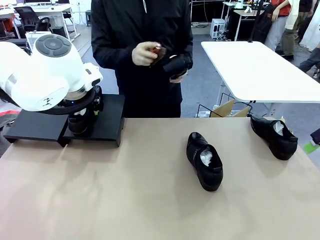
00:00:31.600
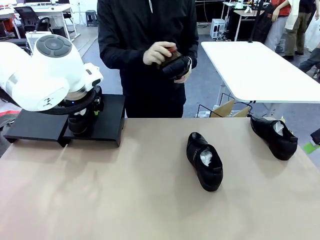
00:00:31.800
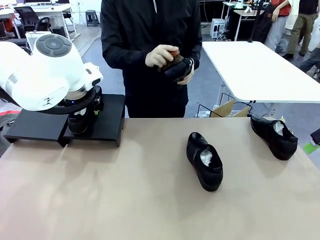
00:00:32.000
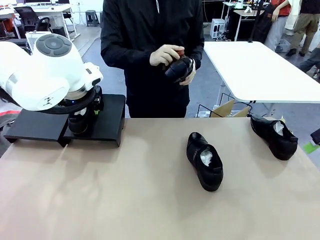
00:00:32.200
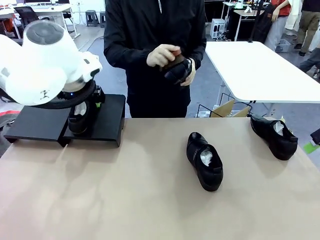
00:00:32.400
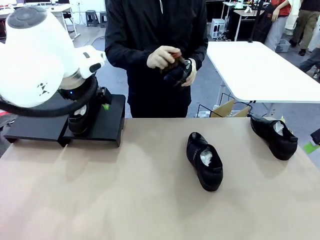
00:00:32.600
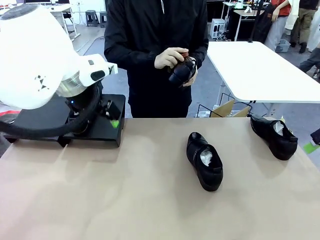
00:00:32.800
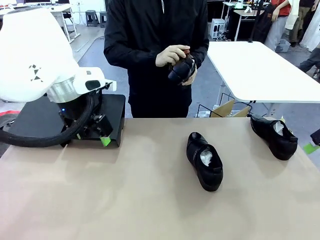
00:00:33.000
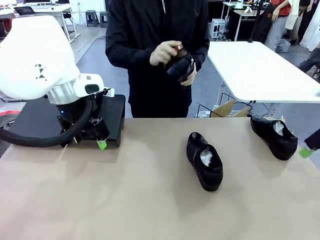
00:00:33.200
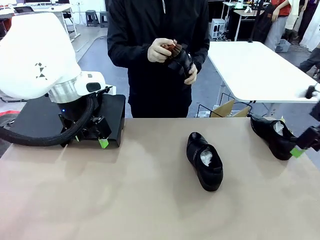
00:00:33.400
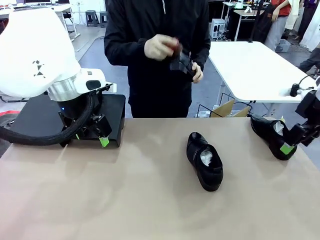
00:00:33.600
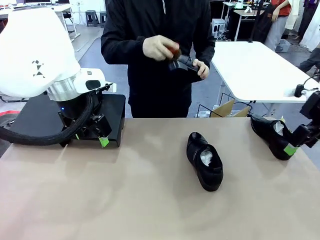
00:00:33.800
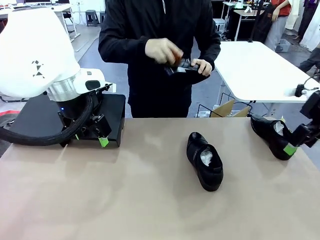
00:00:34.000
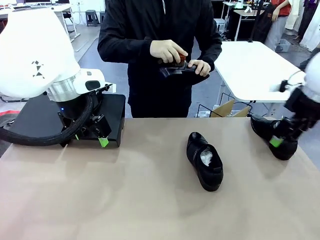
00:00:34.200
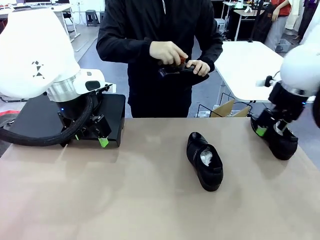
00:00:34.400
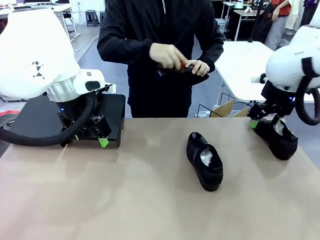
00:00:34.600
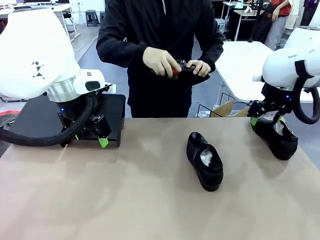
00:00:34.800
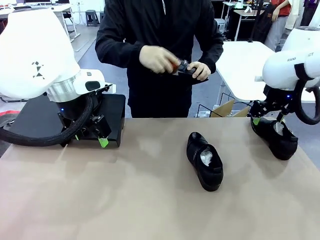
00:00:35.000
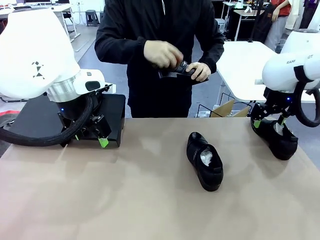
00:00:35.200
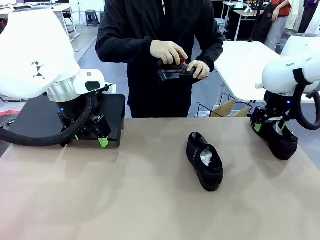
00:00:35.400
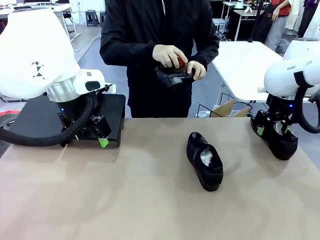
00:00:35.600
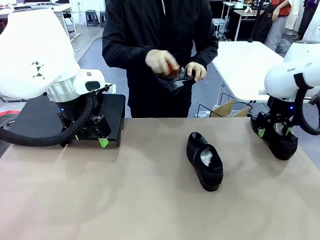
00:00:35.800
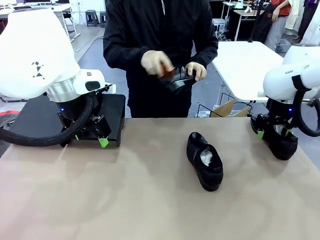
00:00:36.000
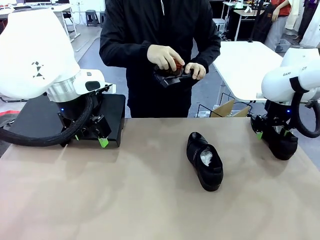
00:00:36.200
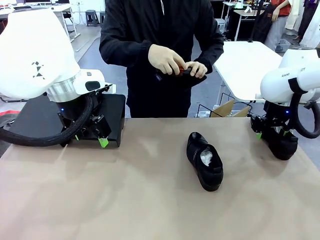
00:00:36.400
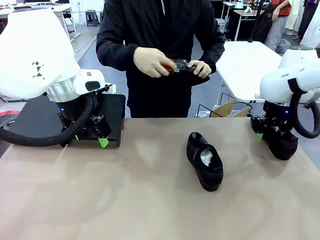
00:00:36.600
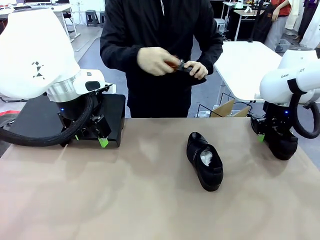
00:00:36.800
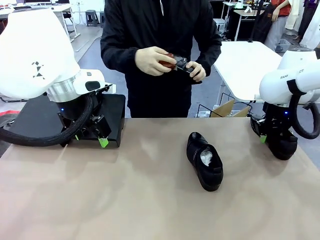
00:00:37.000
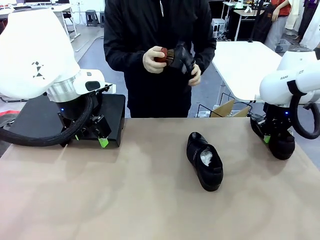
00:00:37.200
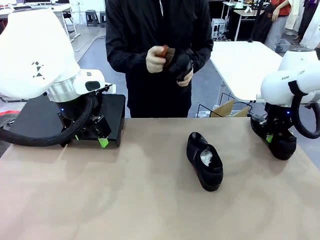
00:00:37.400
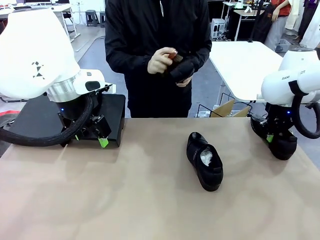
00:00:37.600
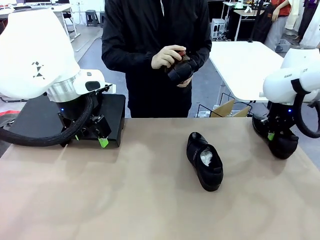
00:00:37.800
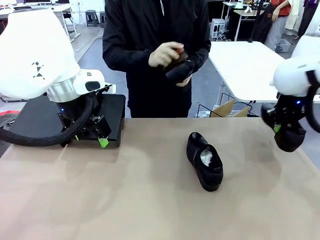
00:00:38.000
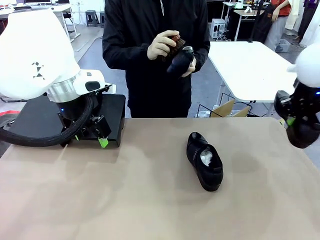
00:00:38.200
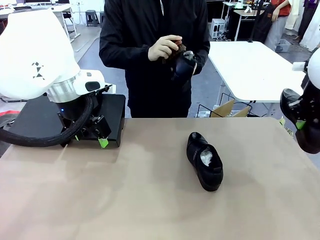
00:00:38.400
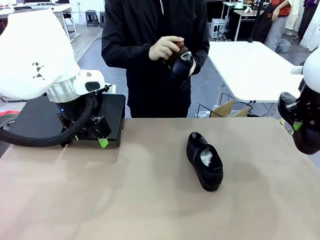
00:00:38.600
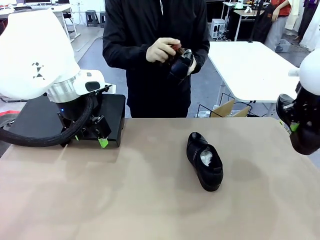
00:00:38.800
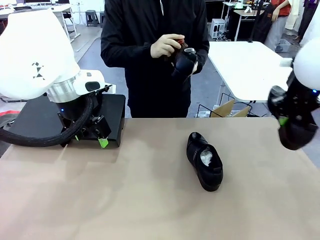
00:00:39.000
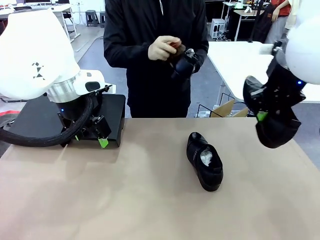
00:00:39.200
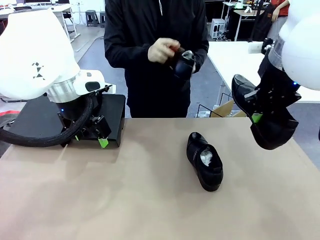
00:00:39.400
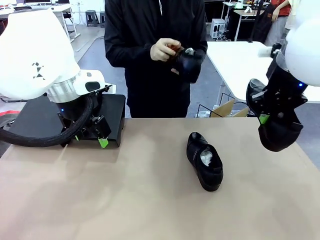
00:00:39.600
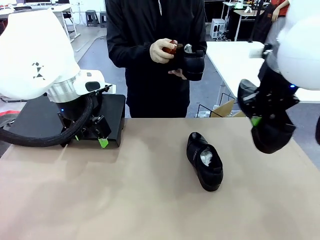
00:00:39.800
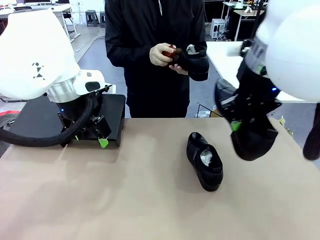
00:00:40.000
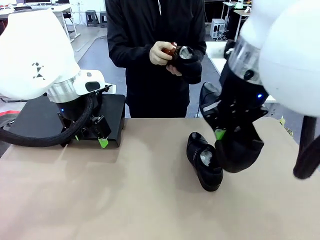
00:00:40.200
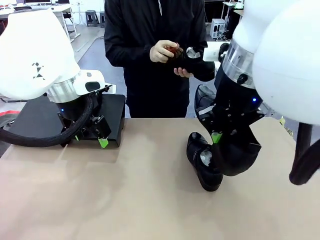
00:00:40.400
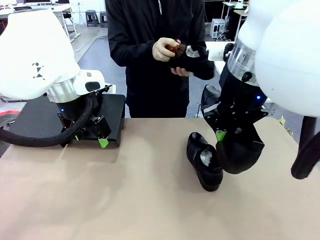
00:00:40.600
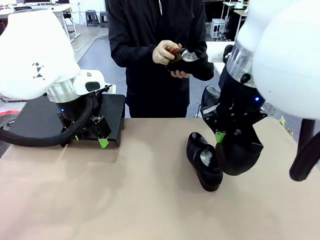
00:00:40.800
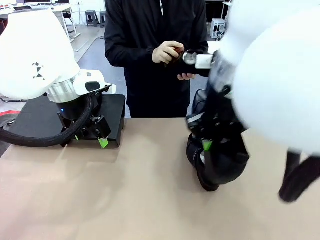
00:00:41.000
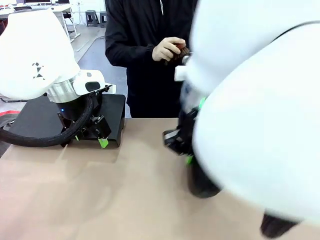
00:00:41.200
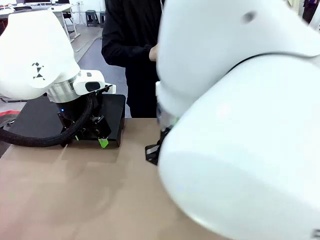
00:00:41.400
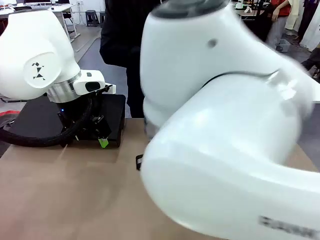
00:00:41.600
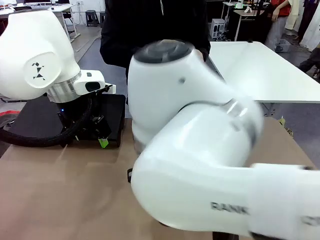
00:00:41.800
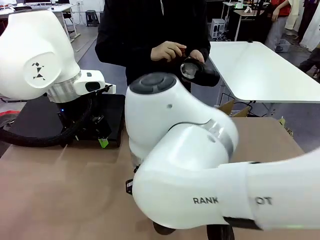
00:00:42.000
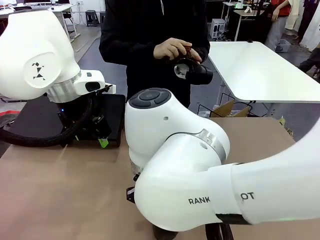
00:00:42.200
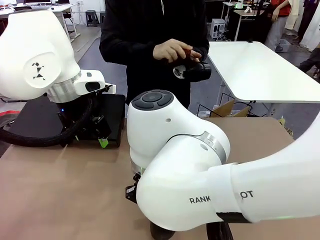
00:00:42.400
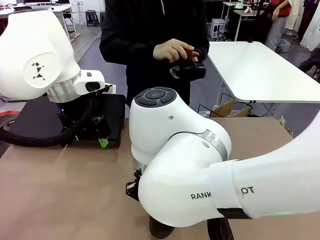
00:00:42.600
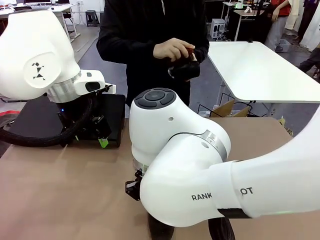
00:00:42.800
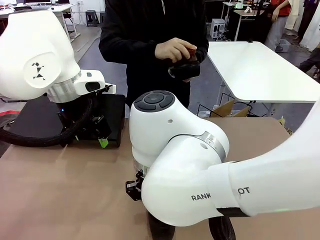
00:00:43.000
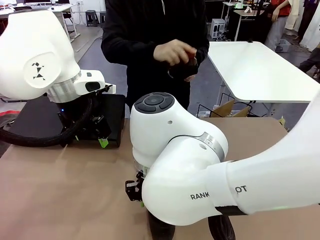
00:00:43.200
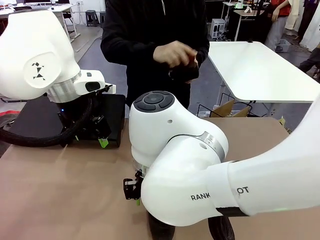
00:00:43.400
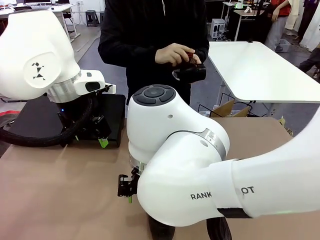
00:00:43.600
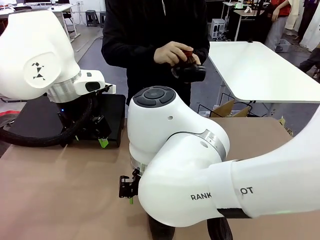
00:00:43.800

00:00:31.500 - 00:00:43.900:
Task: Organize the shoes by placing them on the stand.
Robot: Pick up one Shoe and place it in the middle of the table.
Person: Clean the Shoe with the Shoe Brush.

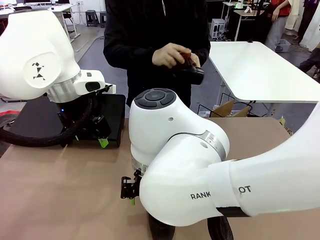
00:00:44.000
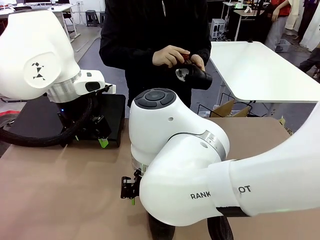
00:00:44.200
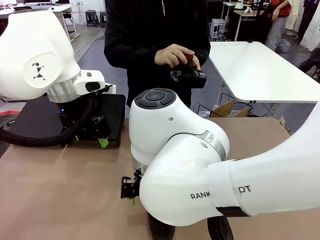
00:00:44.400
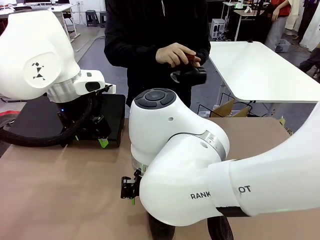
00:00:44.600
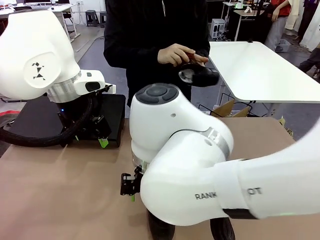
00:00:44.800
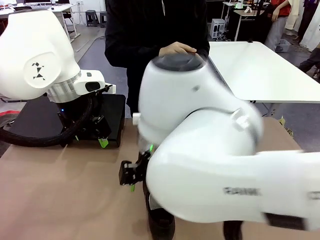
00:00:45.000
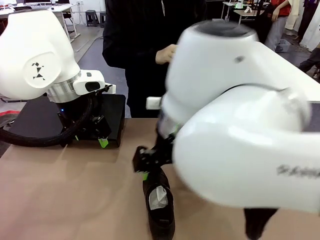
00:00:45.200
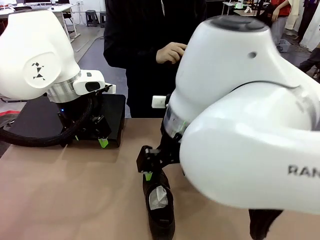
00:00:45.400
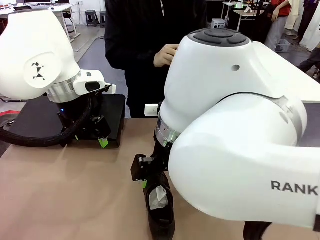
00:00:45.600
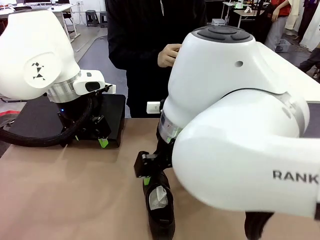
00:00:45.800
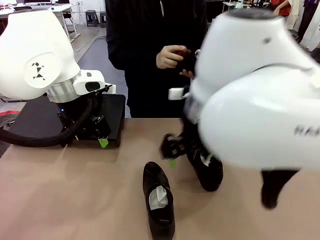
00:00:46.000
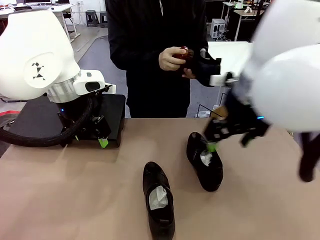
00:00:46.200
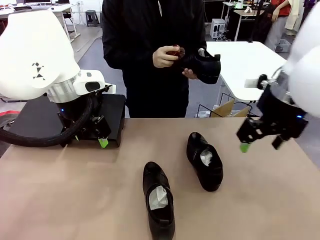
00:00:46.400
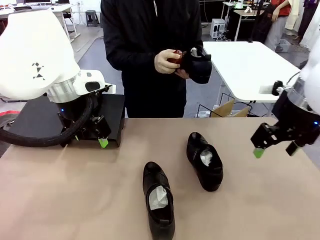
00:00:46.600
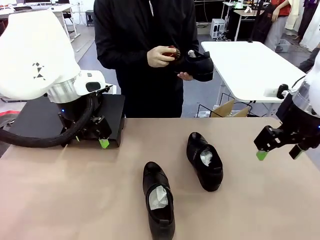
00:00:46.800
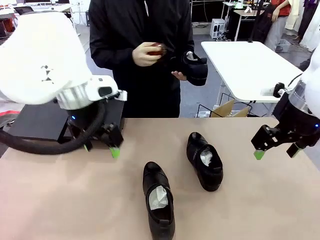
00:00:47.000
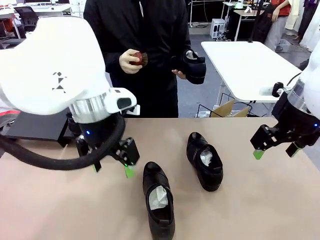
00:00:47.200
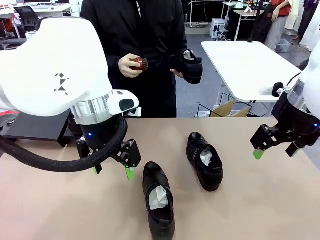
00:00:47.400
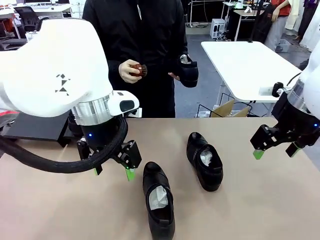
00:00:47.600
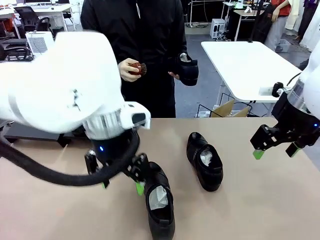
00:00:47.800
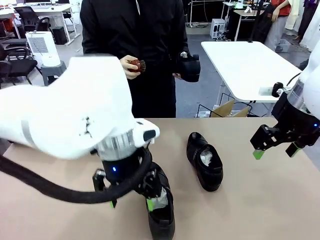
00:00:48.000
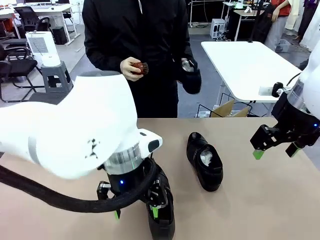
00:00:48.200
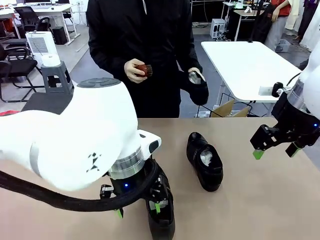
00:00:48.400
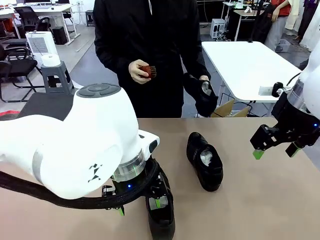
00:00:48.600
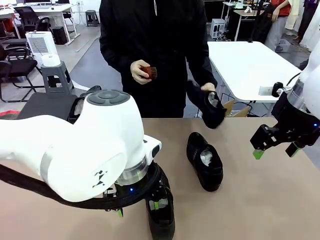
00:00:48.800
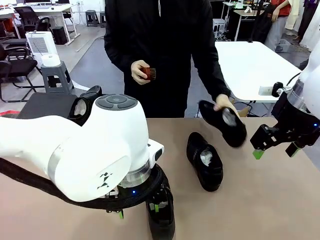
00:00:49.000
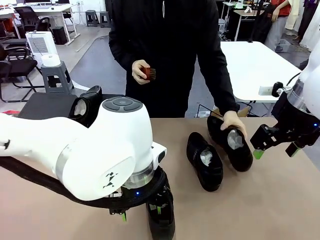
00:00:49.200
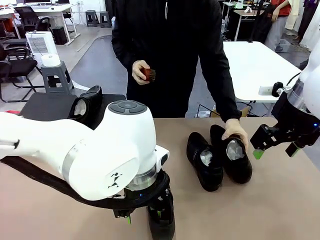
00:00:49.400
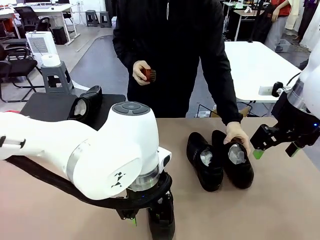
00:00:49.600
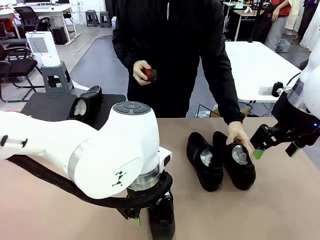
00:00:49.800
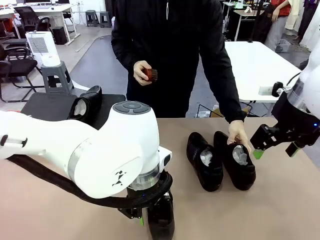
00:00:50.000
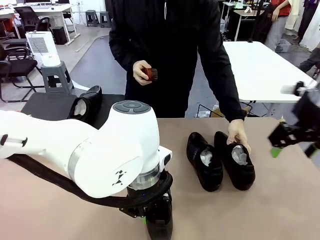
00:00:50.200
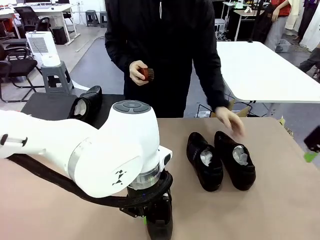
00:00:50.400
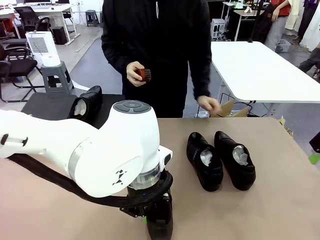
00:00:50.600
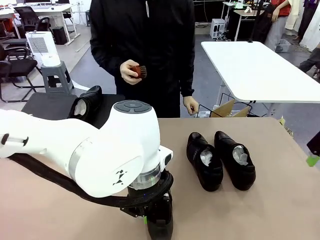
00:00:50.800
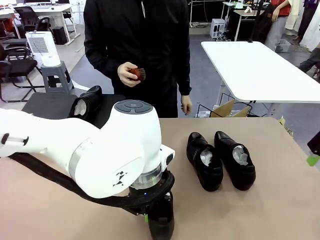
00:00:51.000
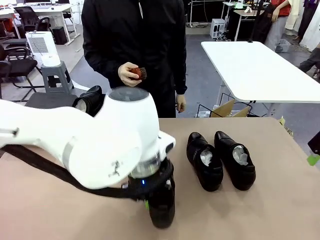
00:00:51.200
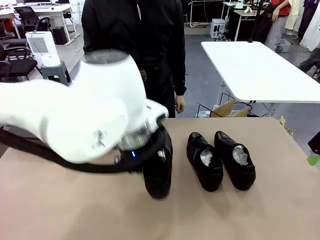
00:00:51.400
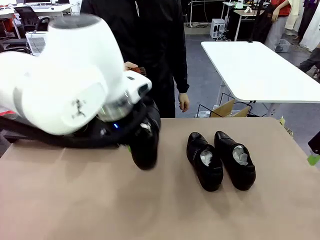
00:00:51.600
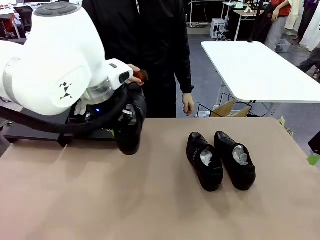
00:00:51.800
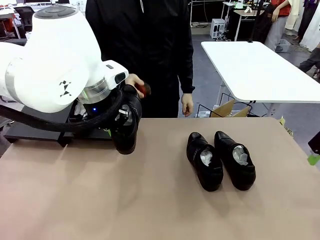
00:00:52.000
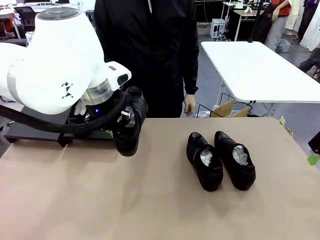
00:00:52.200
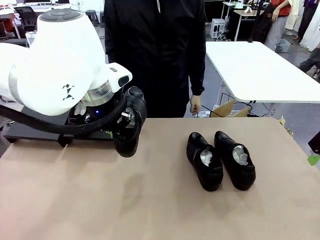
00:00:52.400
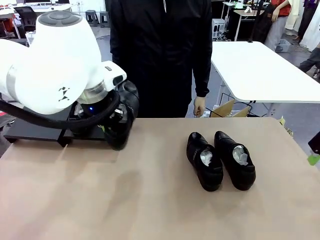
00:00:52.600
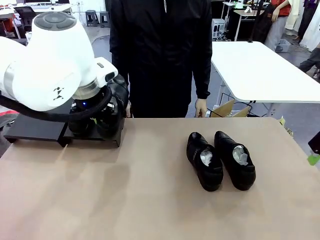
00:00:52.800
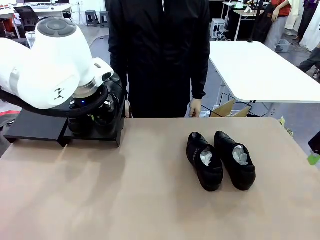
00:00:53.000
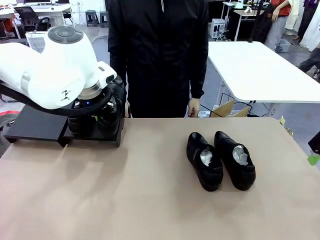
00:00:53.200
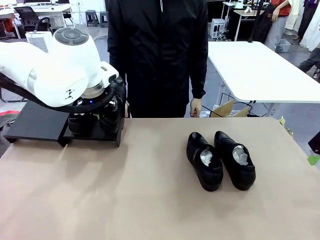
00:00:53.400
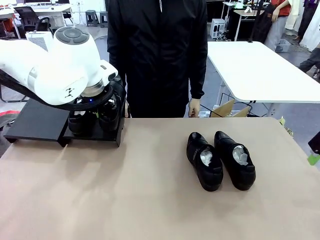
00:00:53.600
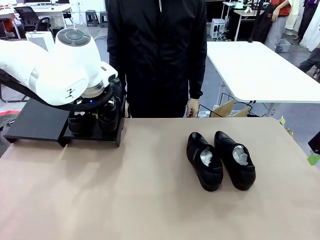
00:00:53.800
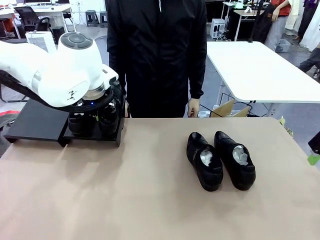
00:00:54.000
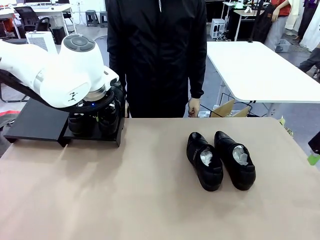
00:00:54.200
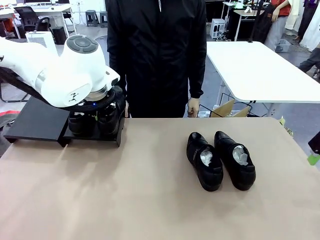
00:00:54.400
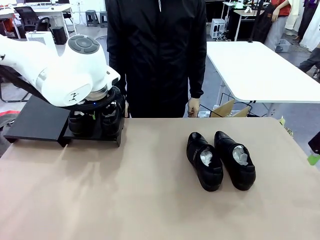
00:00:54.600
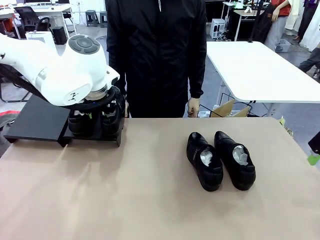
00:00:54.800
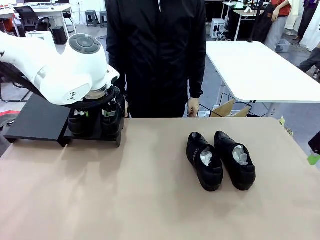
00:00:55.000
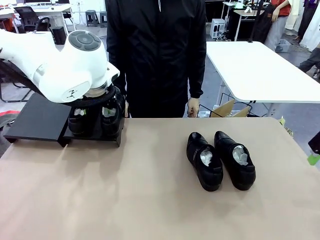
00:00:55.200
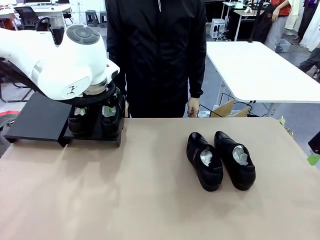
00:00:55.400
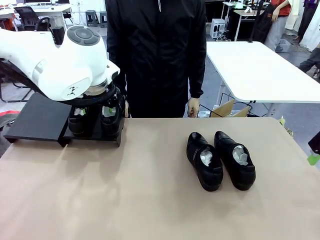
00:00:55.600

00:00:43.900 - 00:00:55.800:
Robot: Place the Shoe from the middle of the table onto the Shoes Stand.
